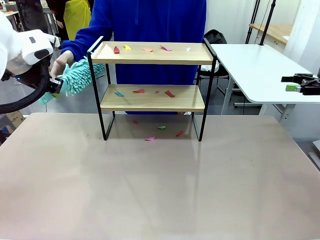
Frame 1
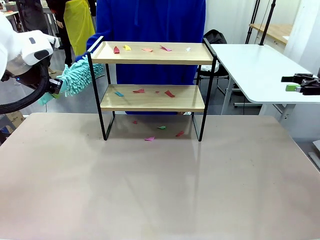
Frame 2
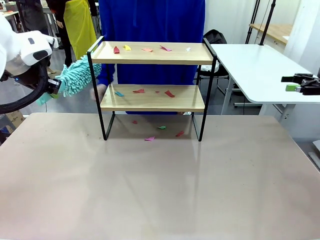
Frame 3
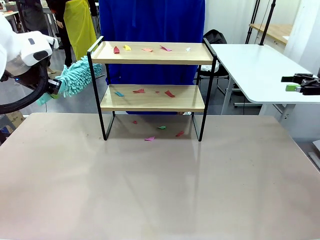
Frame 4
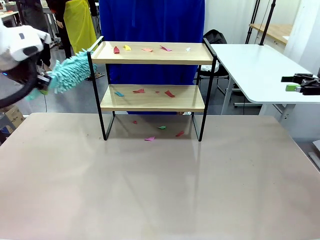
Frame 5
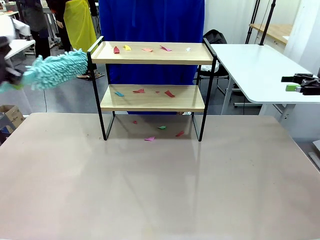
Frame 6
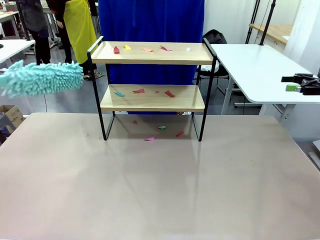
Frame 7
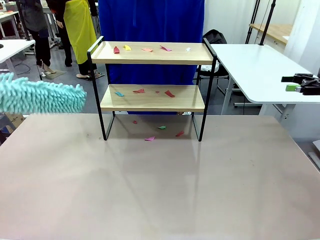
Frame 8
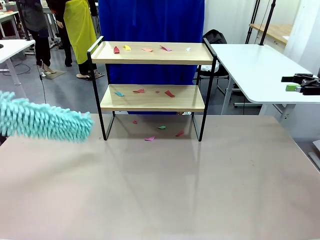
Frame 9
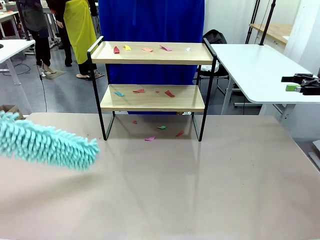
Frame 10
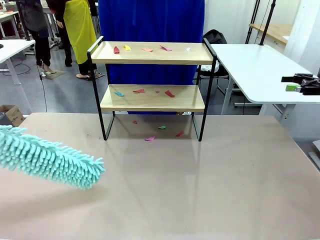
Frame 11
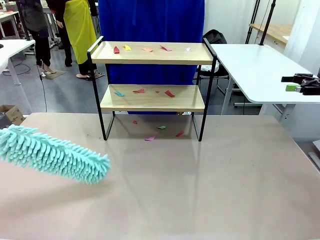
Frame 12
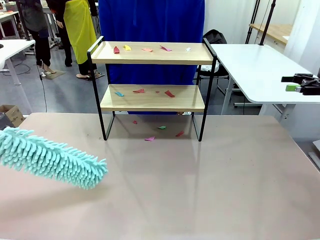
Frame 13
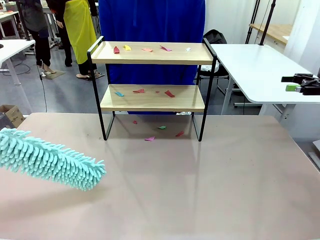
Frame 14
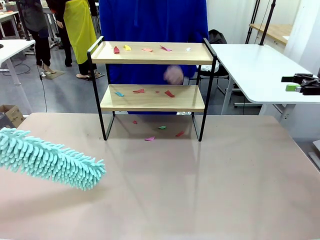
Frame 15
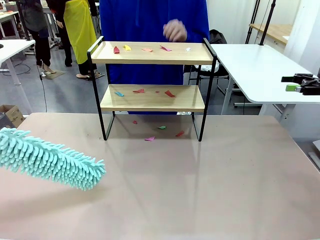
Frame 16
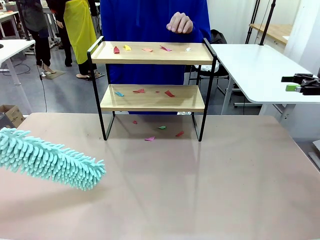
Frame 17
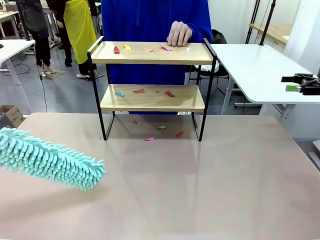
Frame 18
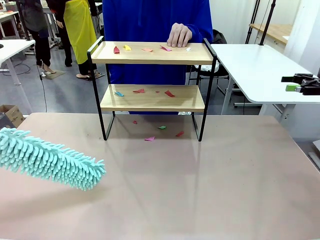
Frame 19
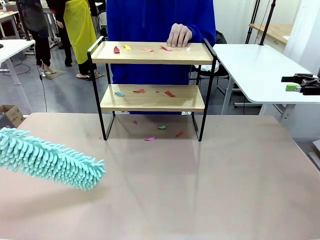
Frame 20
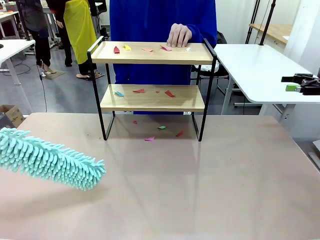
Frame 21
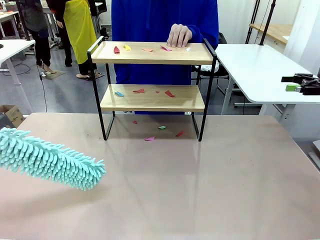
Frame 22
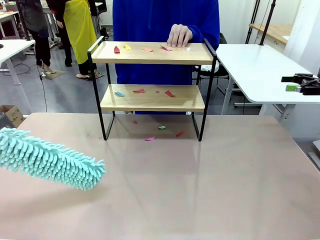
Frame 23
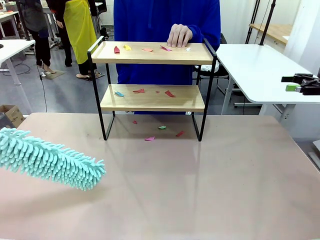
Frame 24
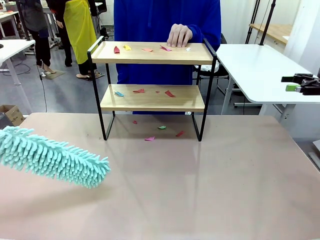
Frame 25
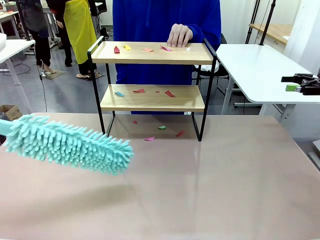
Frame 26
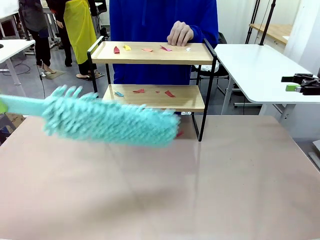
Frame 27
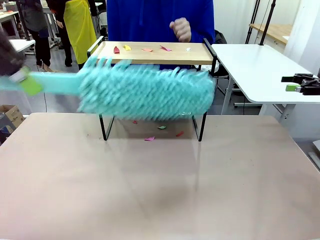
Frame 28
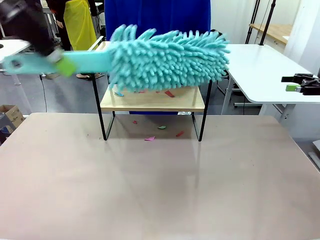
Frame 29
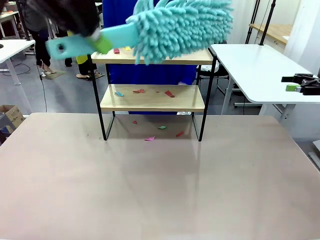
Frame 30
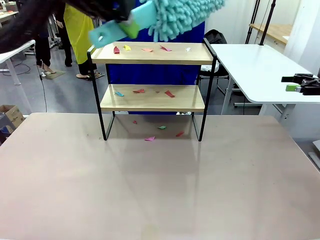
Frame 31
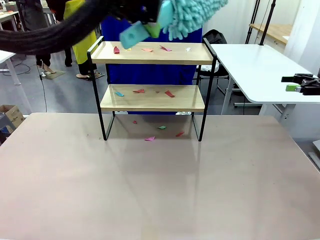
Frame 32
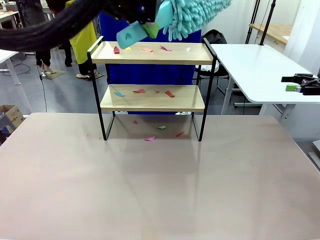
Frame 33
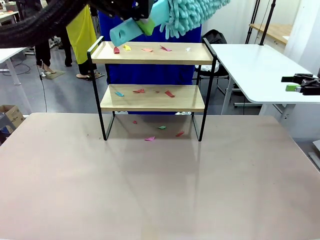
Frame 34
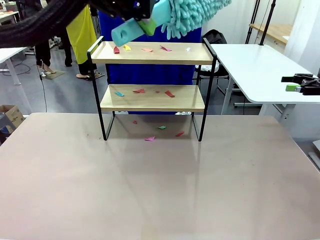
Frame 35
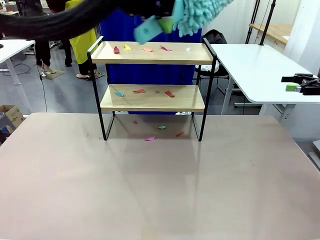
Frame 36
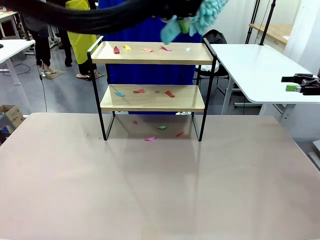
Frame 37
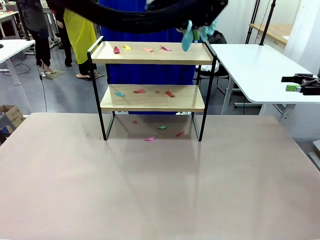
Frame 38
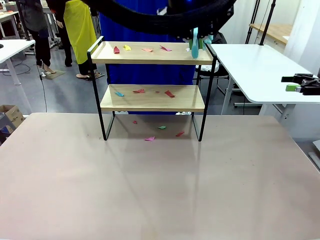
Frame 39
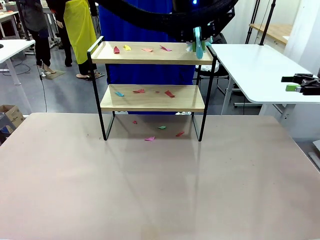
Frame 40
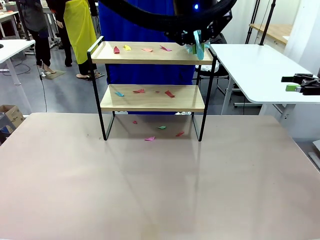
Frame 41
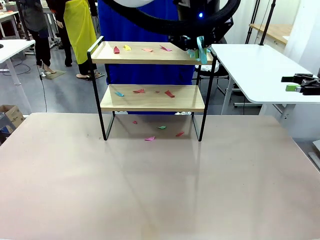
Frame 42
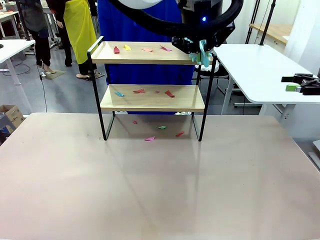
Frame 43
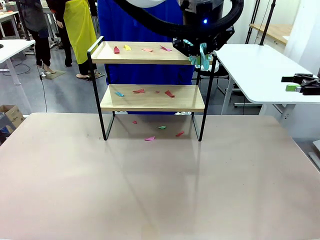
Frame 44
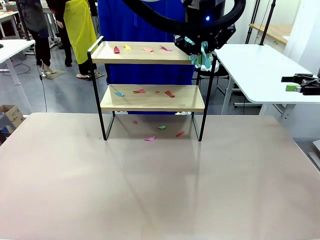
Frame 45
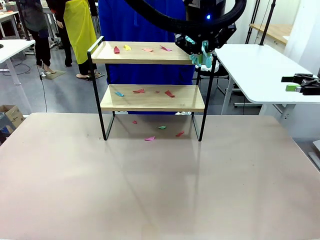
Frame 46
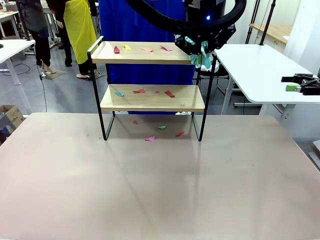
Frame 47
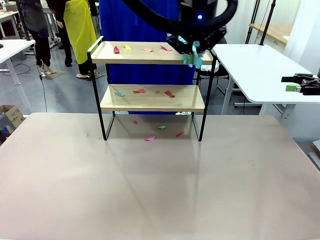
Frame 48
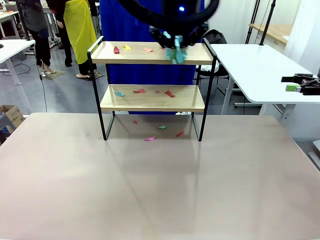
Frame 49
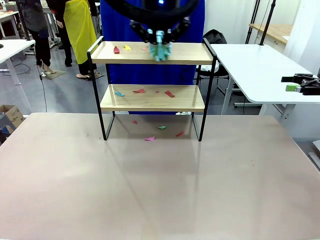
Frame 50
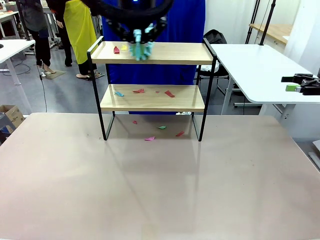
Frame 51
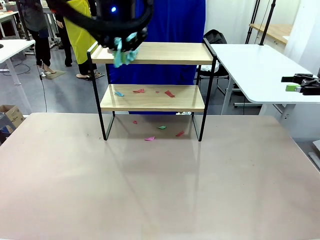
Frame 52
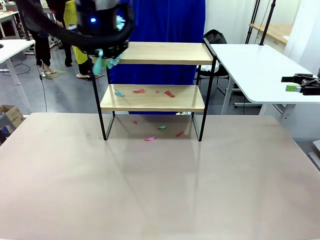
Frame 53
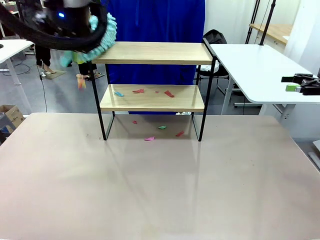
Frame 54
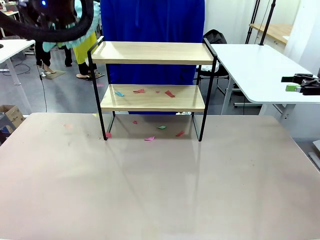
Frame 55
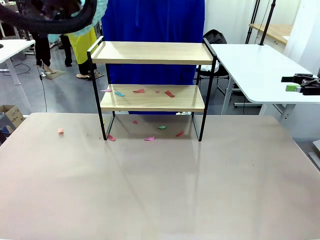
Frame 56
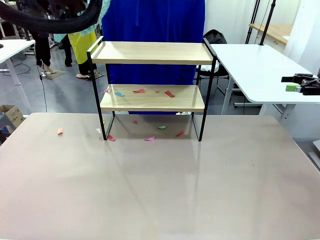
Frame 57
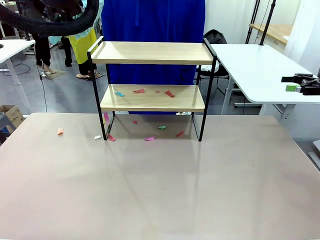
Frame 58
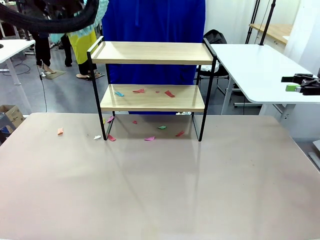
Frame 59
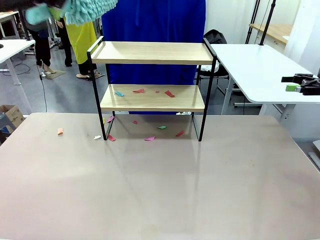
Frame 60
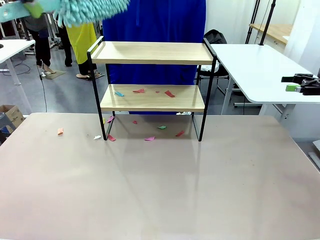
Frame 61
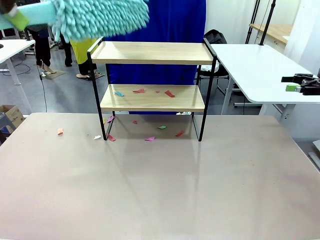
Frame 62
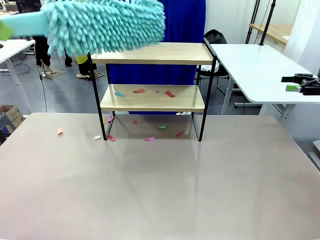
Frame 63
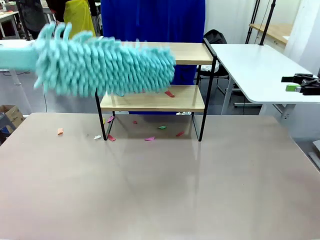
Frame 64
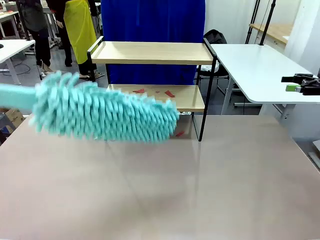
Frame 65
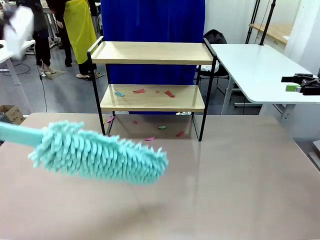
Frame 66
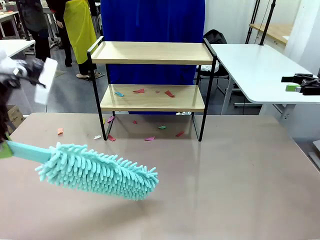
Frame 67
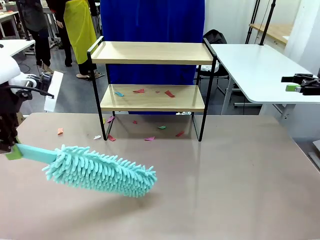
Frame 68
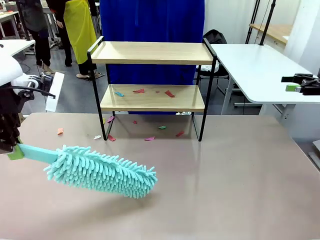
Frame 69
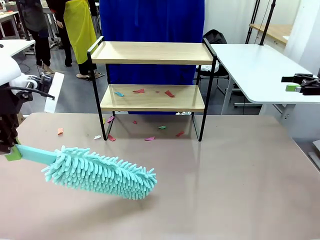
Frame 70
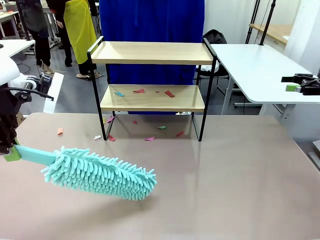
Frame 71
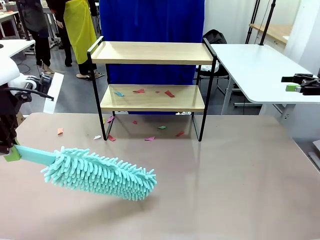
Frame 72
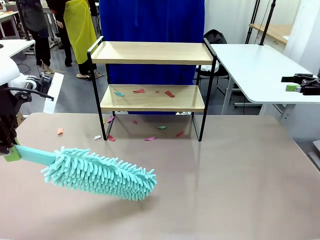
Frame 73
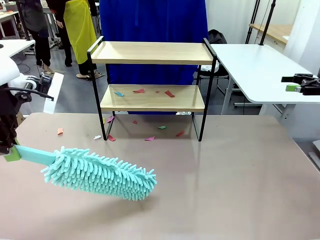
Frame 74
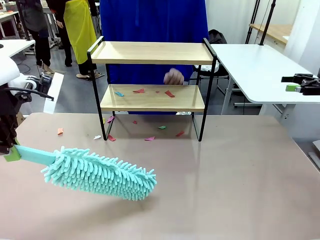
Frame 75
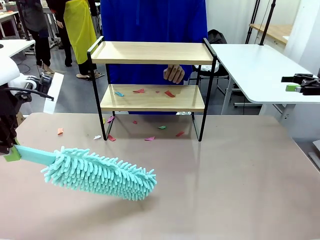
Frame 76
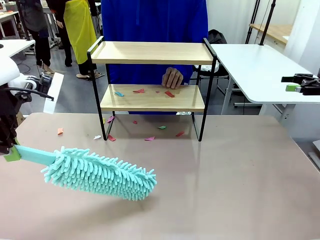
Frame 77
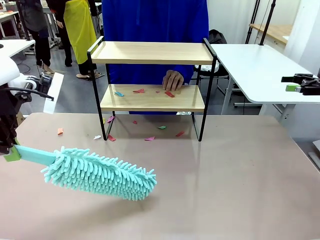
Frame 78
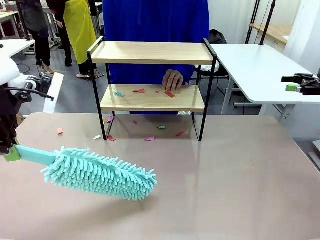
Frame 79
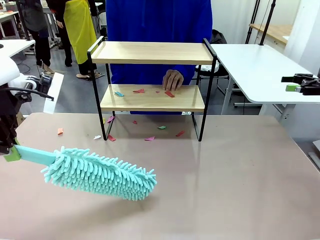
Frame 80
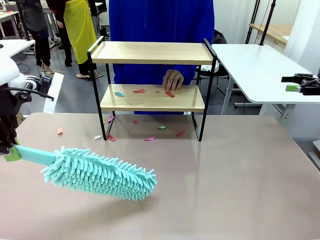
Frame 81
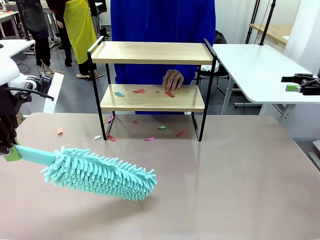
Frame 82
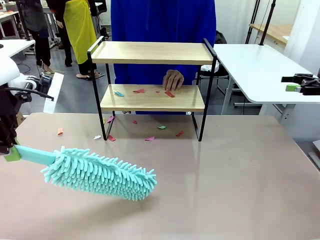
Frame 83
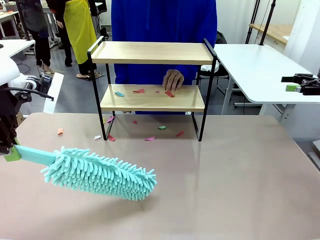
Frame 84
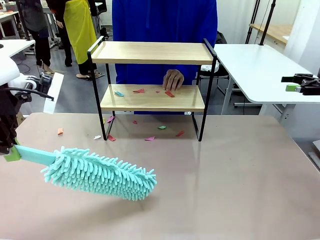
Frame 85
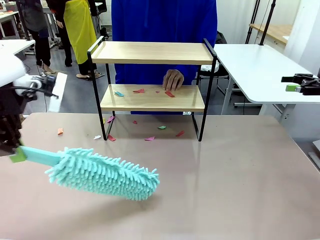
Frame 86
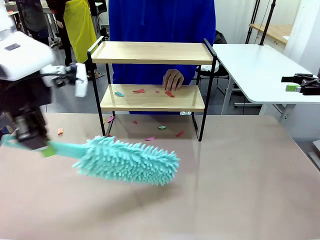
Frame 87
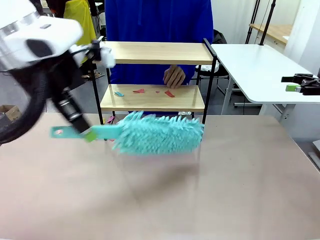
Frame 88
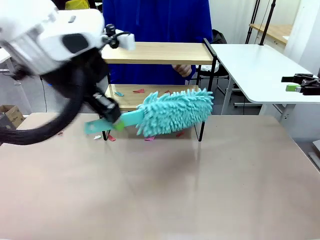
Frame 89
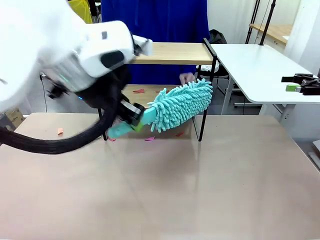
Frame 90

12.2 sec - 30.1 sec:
Task: Clean the shelf.
Robot: Clean the specific section of the Shelf indicated by the human with the Duster.
Person: Point a random section of the Shelf.
